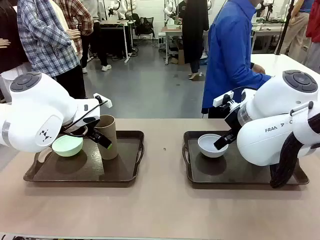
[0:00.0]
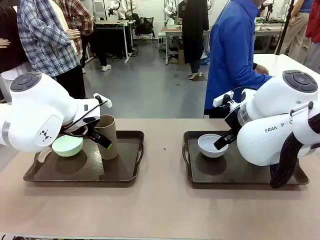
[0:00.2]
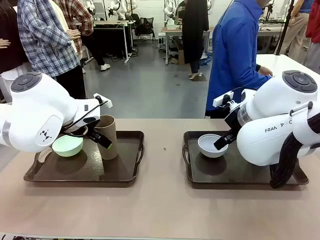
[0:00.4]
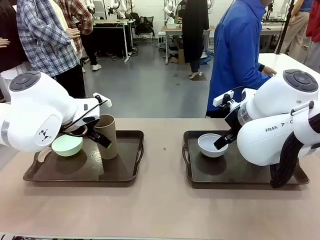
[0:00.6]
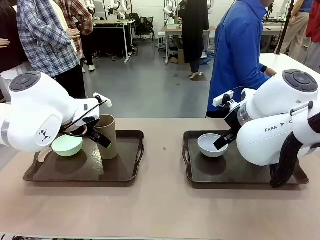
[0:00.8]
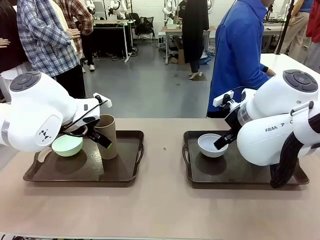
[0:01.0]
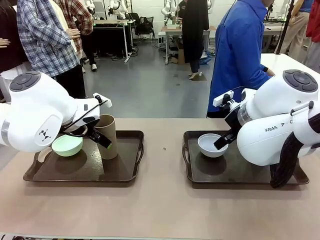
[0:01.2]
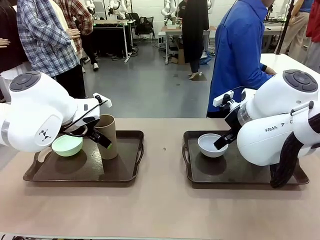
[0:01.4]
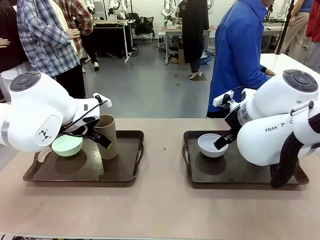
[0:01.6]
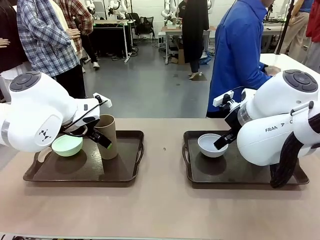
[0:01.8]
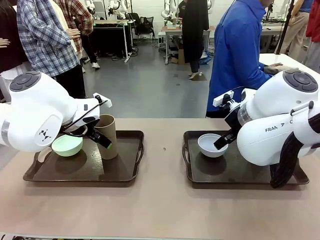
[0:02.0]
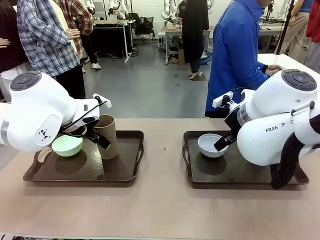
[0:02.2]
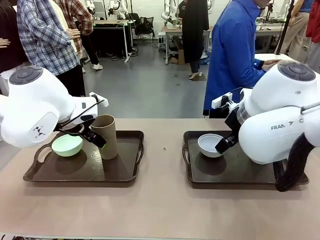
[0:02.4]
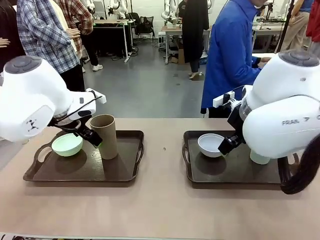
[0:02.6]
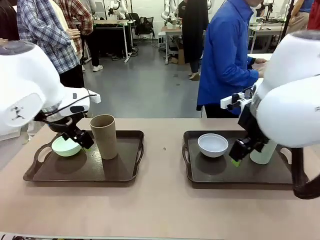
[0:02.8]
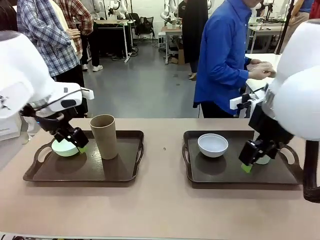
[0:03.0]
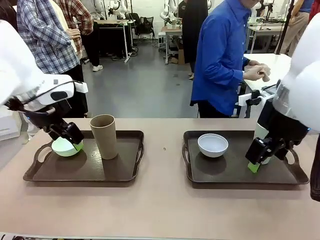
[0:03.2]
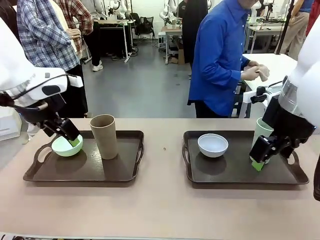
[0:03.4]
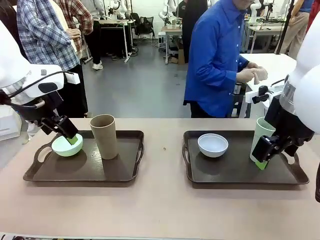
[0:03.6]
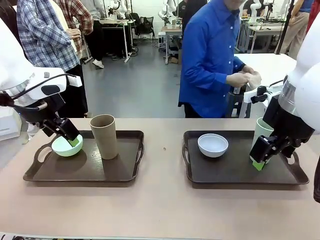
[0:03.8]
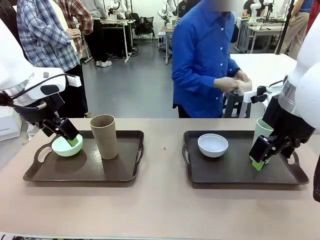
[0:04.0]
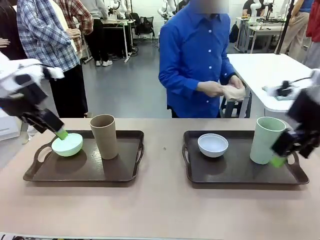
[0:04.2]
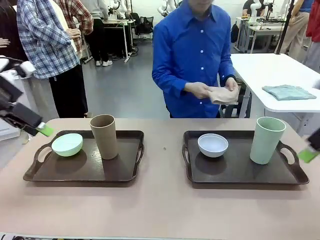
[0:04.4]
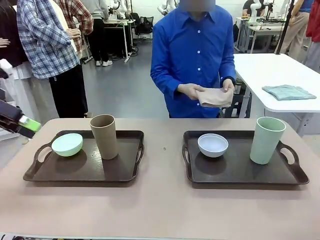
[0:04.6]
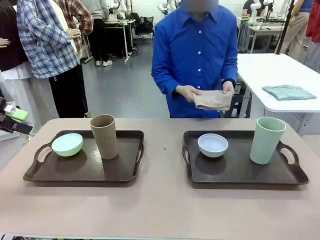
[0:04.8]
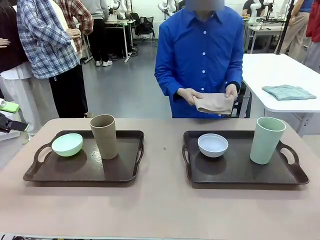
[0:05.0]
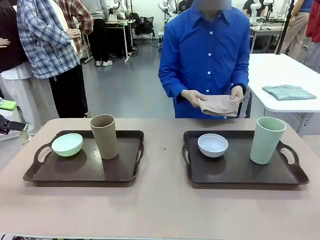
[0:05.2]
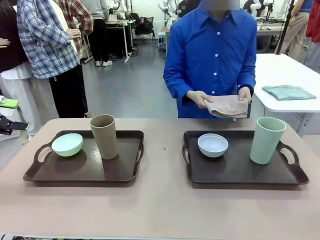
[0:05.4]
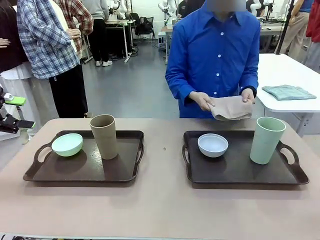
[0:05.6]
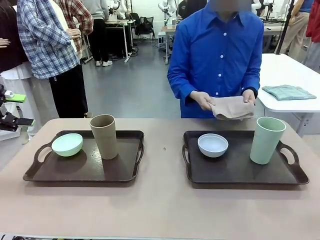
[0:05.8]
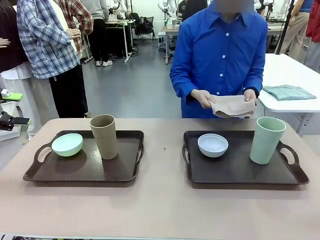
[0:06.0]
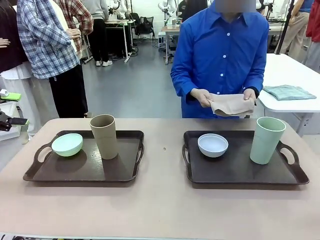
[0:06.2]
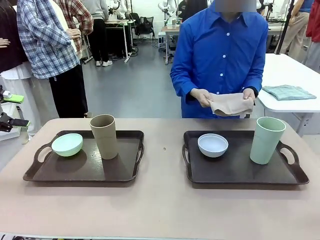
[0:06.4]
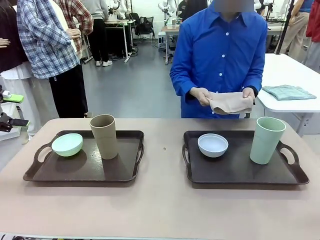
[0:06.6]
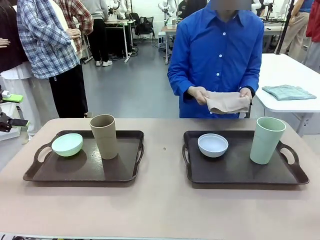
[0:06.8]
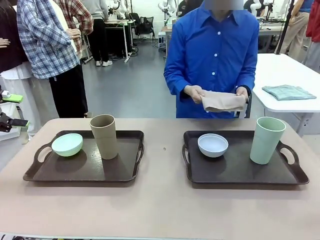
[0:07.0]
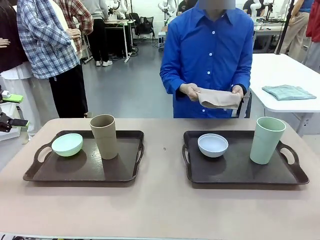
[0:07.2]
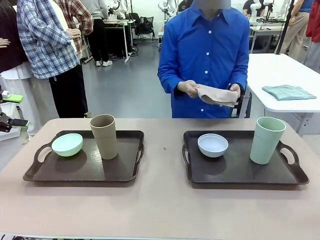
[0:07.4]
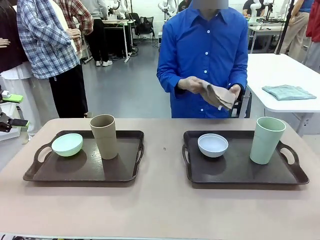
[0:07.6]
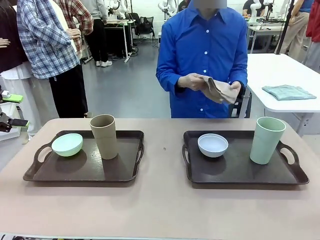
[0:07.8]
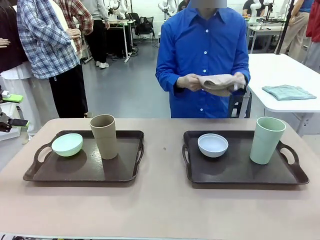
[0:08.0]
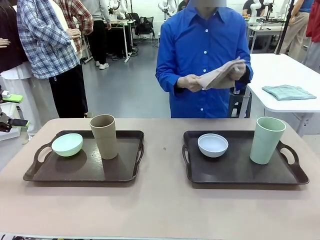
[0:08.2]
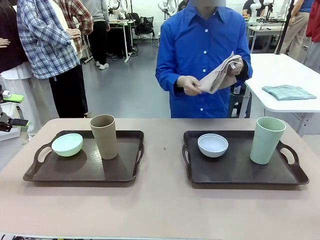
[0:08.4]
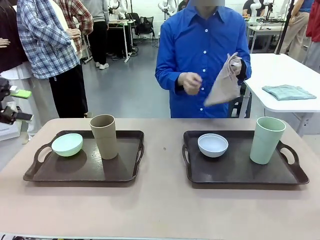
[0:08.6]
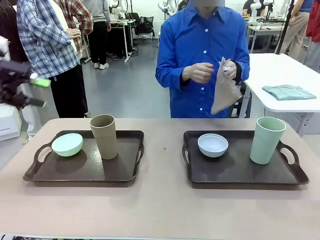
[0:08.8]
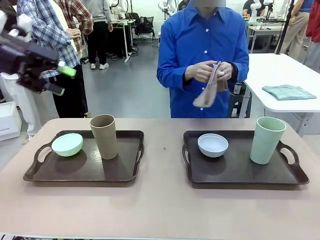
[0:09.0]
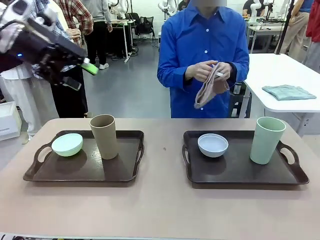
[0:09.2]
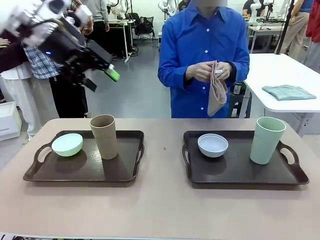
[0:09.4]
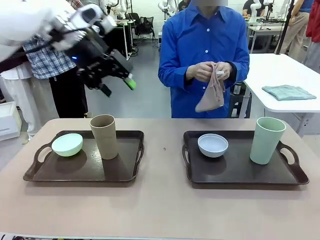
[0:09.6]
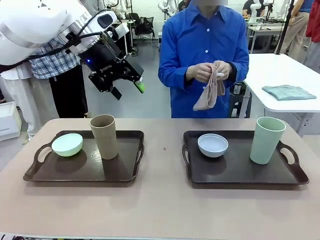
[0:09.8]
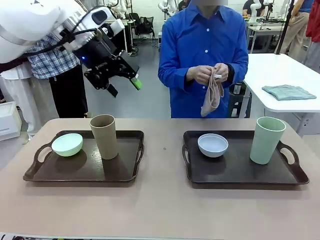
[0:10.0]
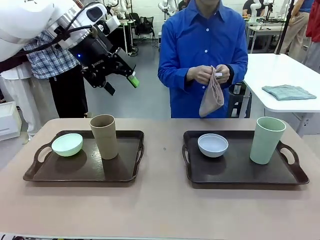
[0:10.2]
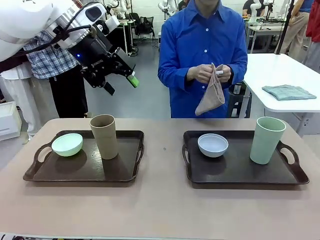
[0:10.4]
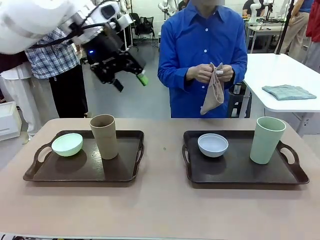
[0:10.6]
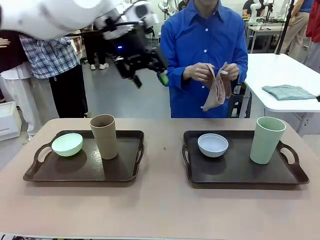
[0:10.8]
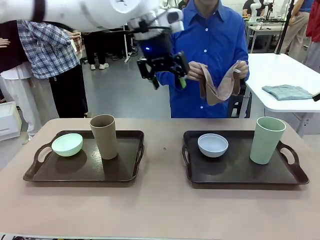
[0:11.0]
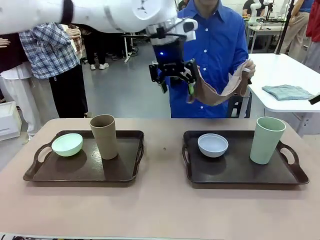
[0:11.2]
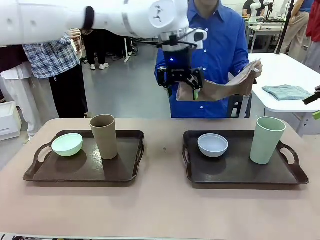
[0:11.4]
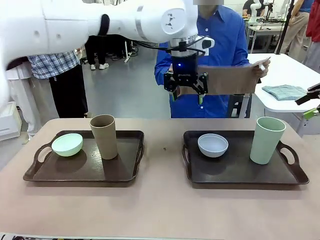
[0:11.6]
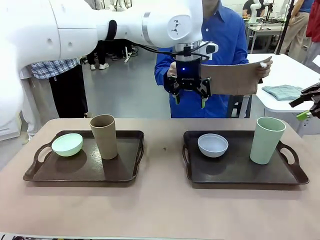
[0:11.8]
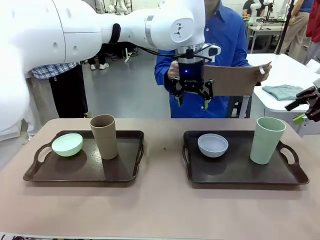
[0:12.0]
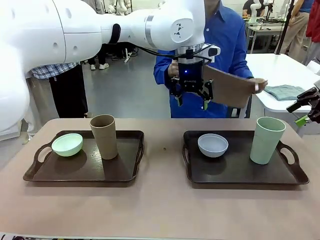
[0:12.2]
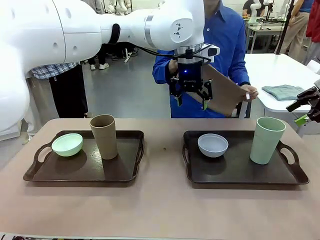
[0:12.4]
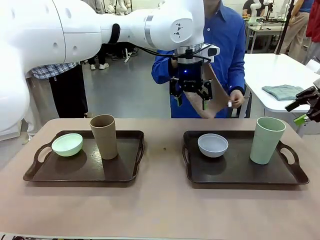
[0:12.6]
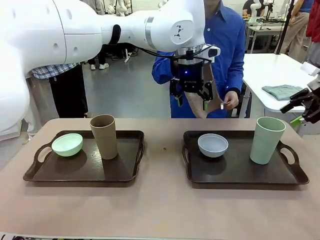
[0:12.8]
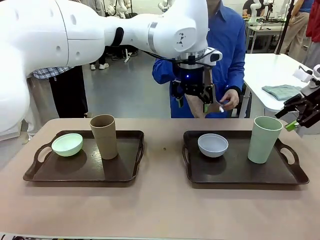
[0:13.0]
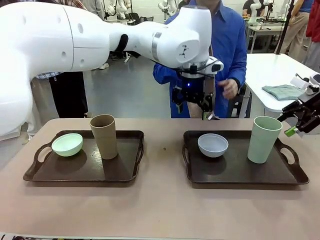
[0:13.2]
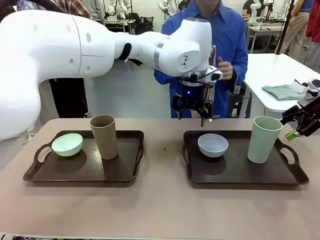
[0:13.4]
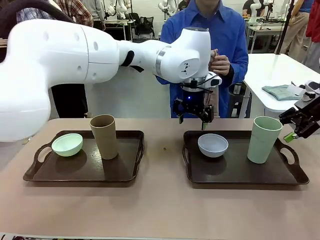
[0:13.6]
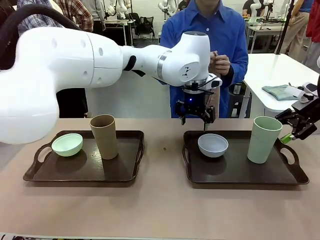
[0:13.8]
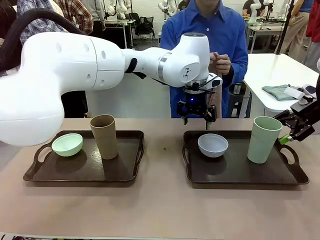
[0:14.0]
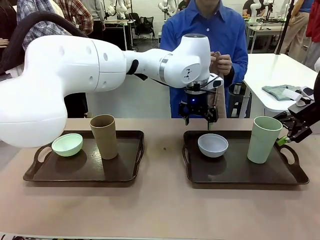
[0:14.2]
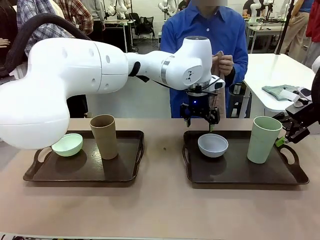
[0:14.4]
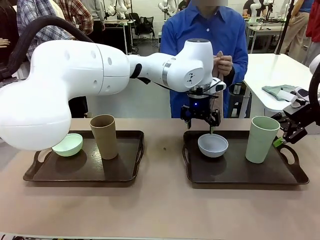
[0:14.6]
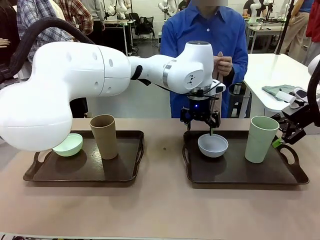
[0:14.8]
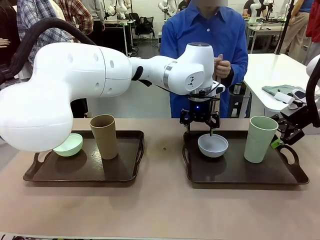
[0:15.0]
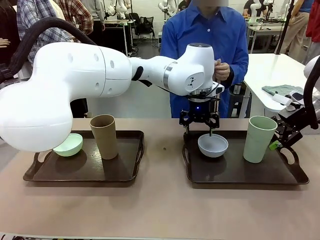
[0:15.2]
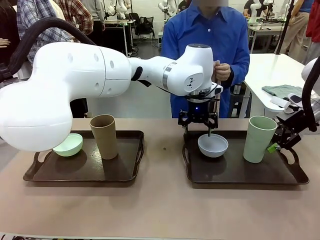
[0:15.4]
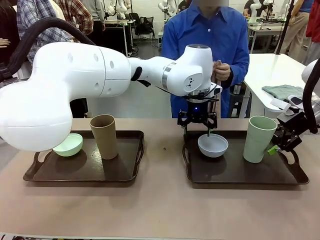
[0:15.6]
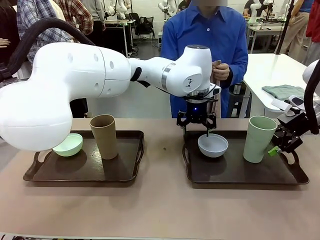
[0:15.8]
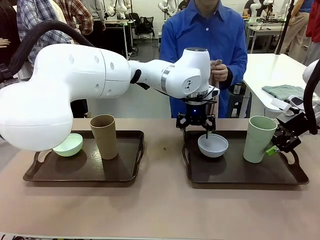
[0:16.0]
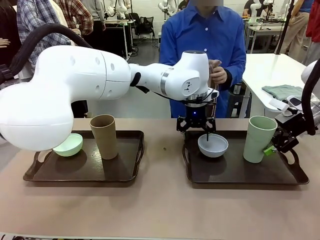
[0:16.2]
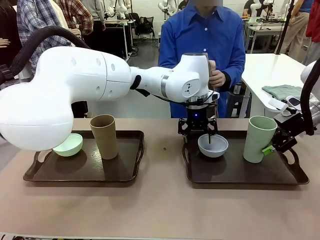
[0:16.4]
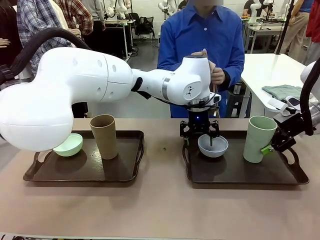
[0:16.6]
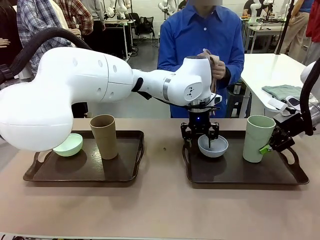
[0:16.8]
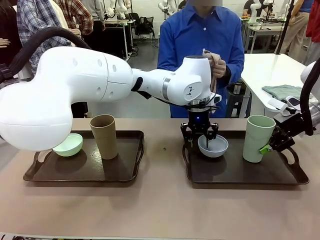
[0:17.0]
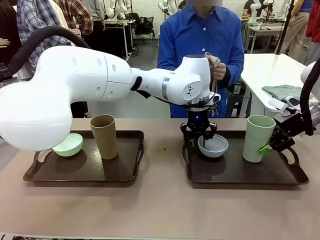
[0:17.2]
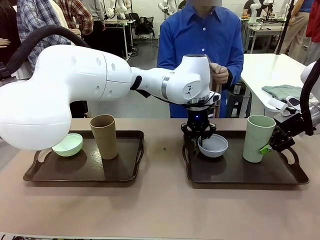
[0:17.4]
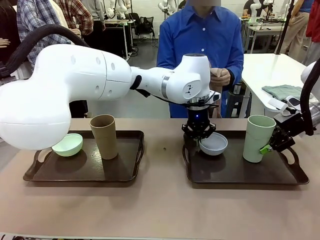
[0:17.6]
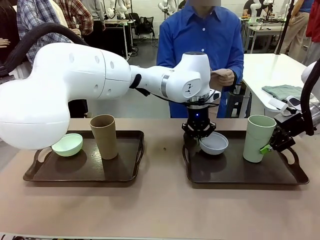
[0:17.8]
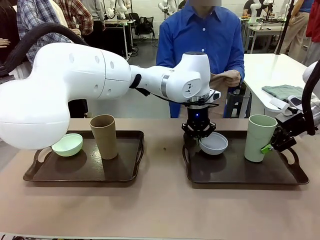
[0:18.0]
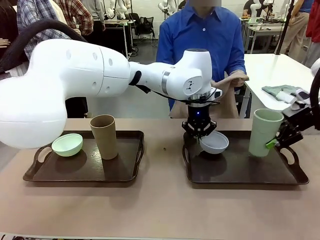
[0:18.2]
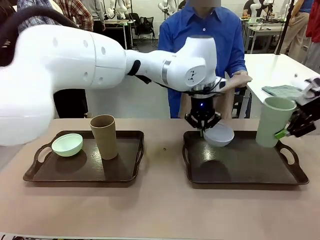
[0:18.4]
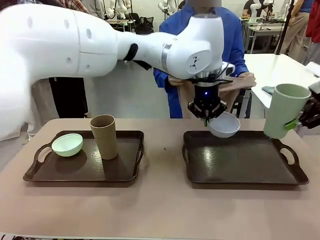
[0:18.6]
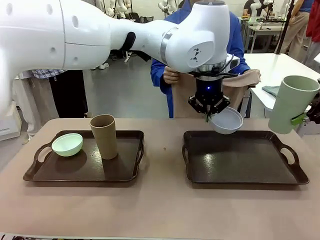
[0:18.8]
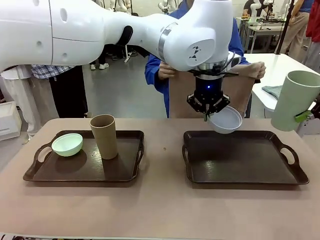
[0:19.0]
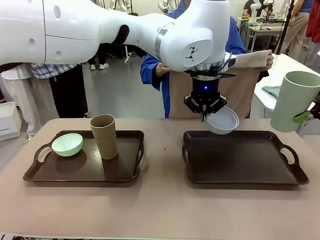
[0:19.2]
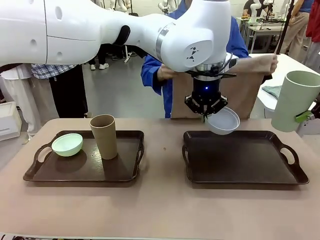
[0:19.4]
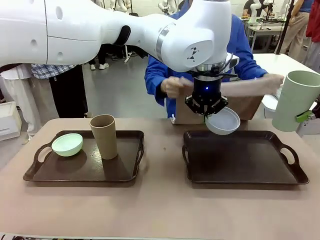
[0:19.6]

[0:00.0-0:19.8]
Robot: Pick up the Picnic Bowl and Reusable plastic cup from the Handle tray in front of the human's position and hold them in the air.
Person: The human picks up the top napkin from the stack on the human table and walks to the robot table to stand in front of one of the two trays. When the robot lifts the bowl and the cup, the human unfolds the napkin and lays the napkin flat on the tray.
